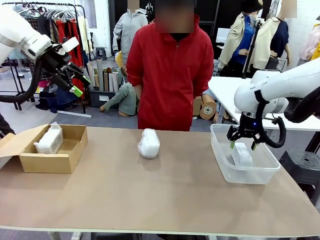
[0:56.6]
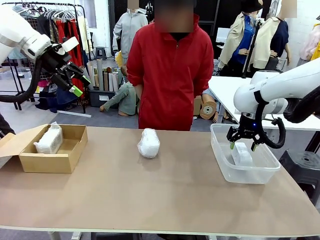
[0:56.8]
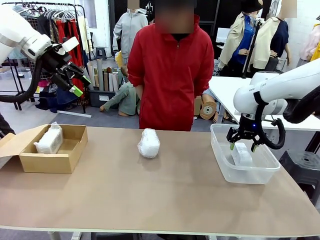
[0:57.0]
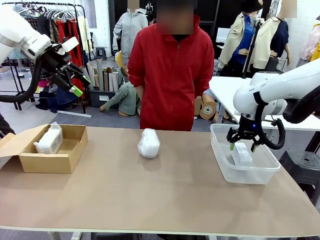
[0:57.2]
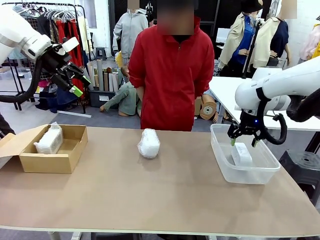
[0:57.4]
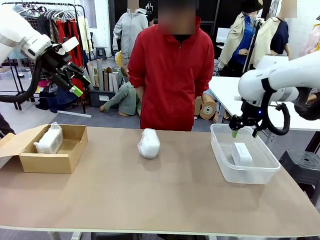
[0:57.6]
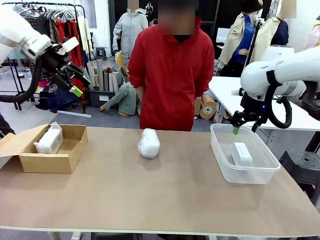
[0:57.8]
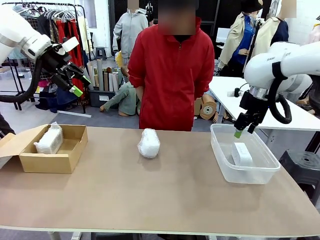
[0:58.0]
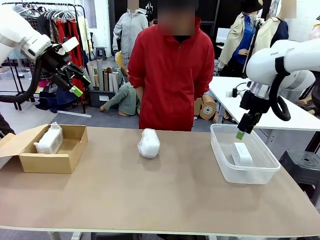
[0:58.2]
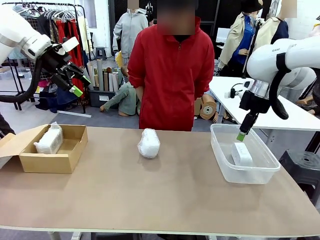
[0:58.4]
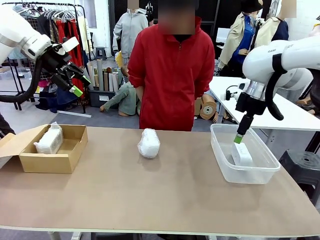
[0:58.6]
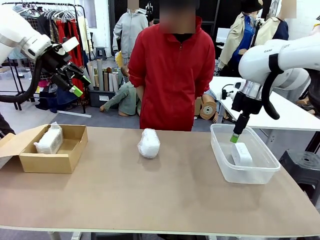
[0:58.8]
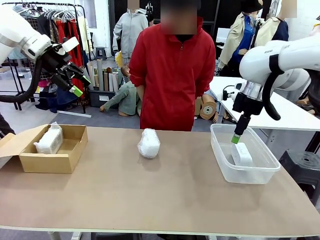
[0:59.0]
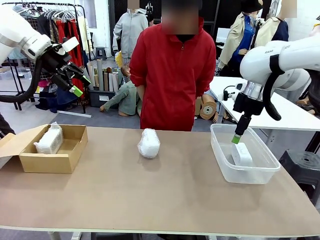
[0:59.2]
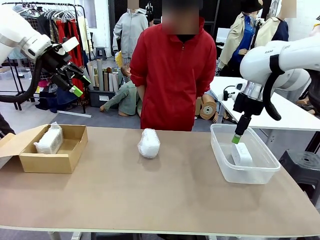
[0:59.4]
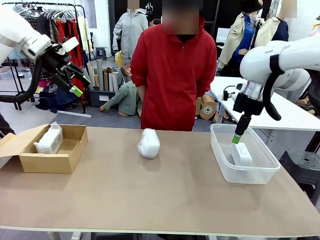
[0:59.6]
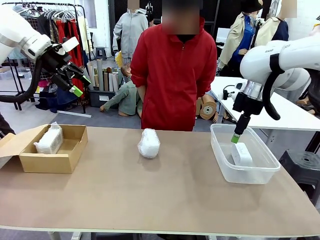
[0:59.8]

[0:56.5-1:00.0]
Task: Separate and place wrapped and unwrapped clocks.
Robot: If the picked Digital clock is wrapped, place it in the Package Box ; if not, place it in the Organizing box.

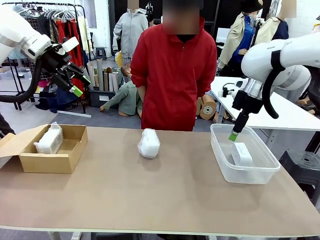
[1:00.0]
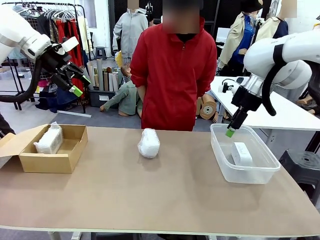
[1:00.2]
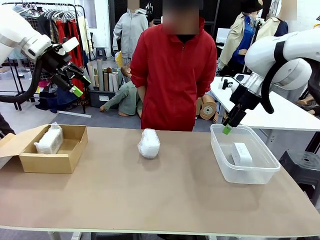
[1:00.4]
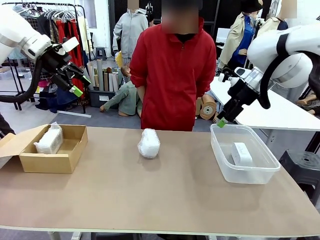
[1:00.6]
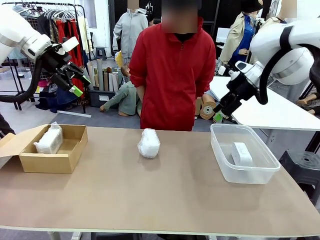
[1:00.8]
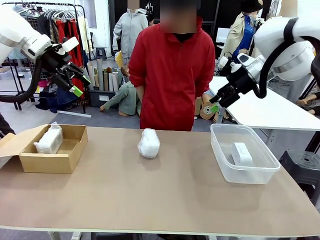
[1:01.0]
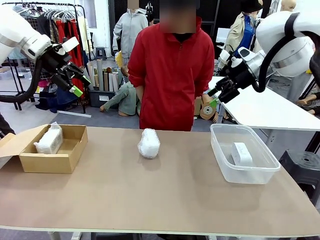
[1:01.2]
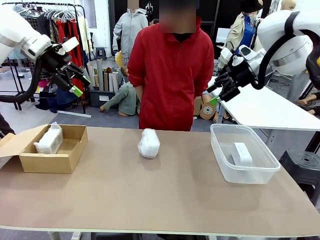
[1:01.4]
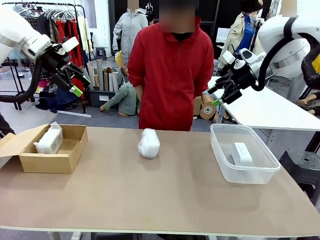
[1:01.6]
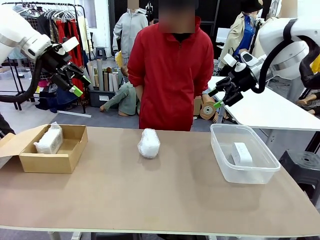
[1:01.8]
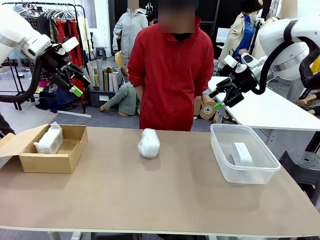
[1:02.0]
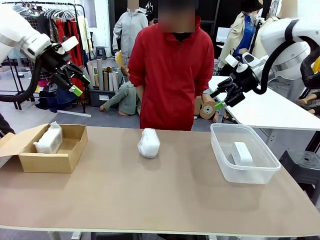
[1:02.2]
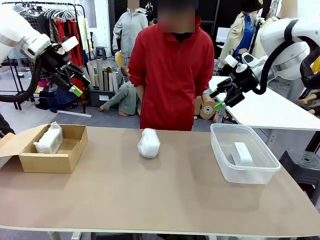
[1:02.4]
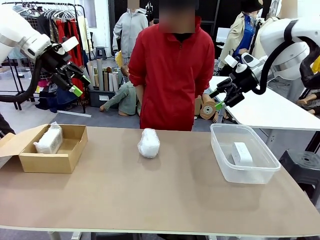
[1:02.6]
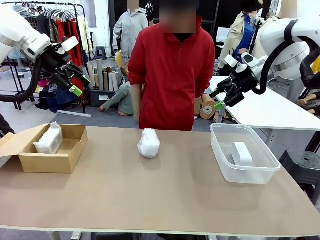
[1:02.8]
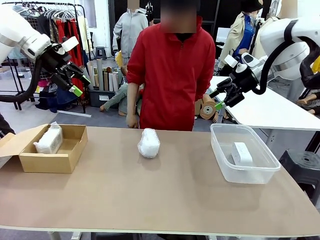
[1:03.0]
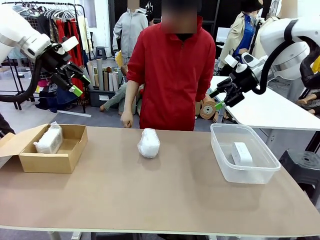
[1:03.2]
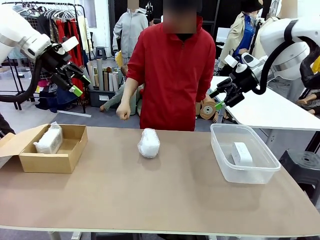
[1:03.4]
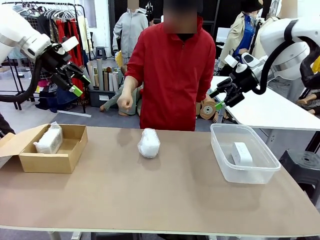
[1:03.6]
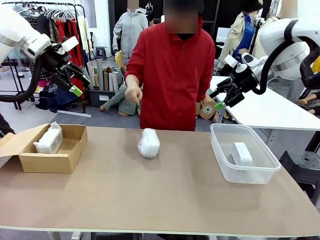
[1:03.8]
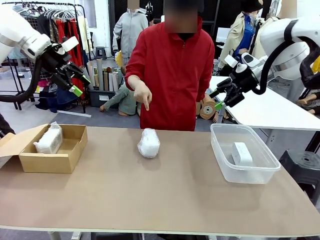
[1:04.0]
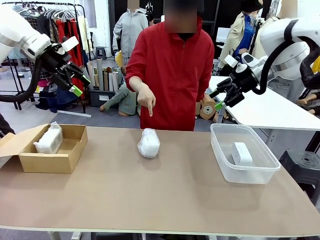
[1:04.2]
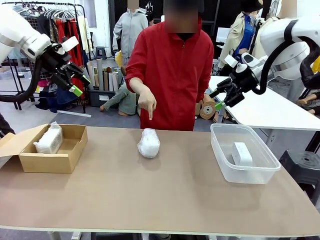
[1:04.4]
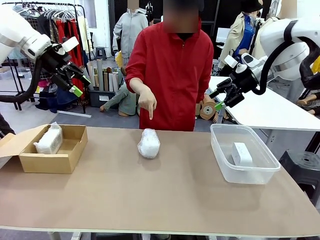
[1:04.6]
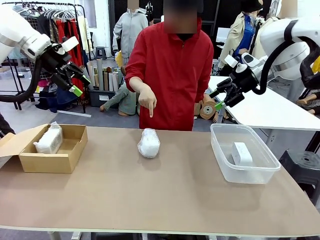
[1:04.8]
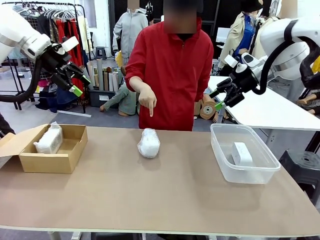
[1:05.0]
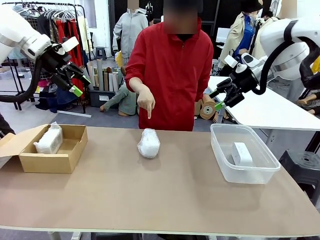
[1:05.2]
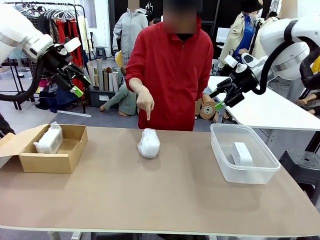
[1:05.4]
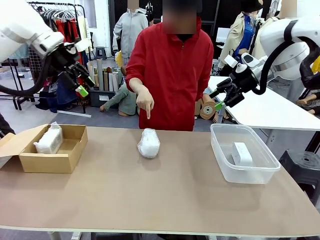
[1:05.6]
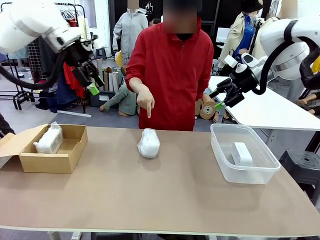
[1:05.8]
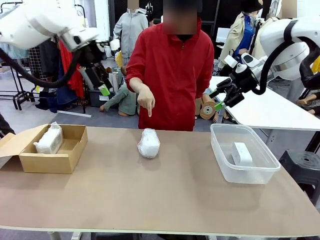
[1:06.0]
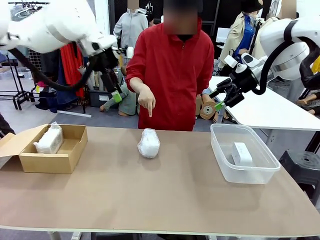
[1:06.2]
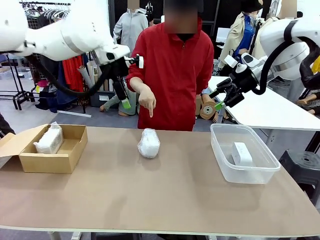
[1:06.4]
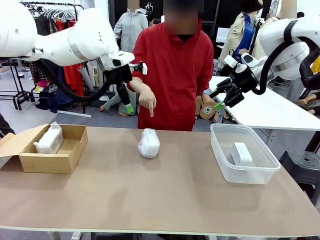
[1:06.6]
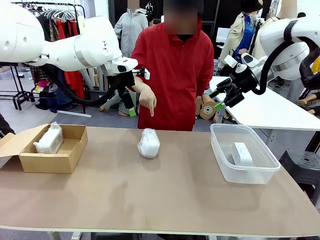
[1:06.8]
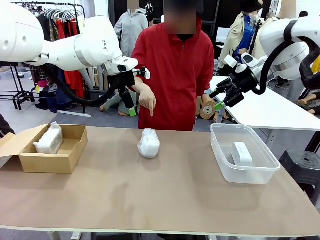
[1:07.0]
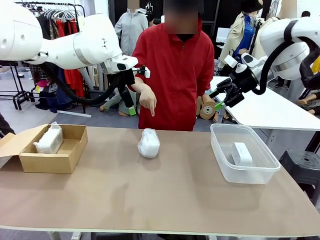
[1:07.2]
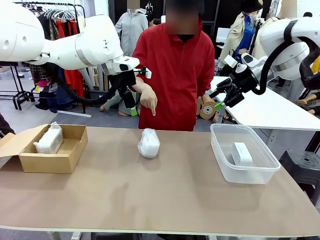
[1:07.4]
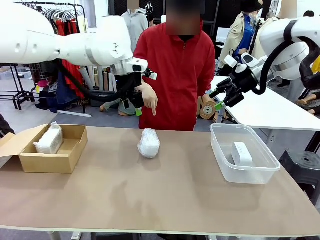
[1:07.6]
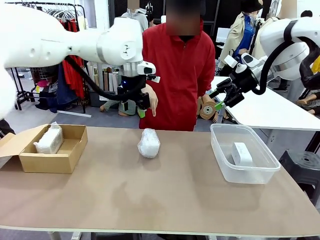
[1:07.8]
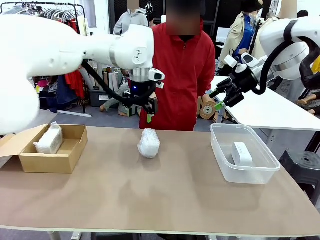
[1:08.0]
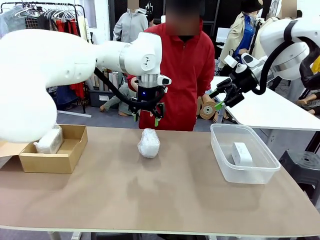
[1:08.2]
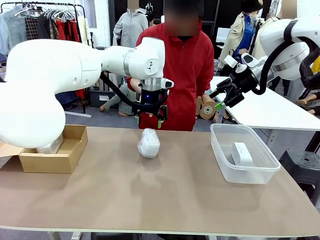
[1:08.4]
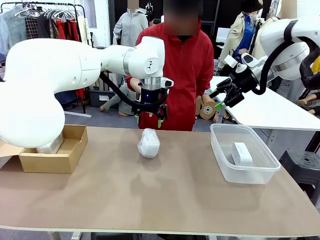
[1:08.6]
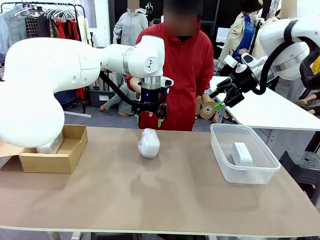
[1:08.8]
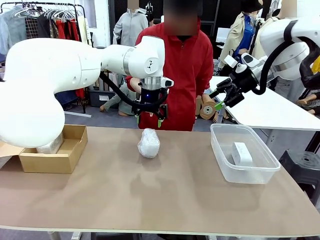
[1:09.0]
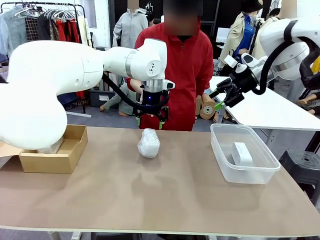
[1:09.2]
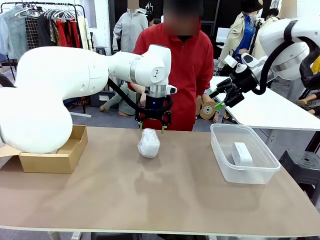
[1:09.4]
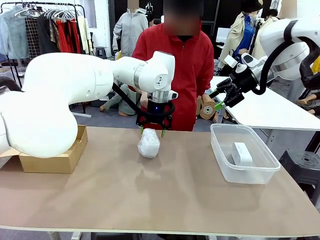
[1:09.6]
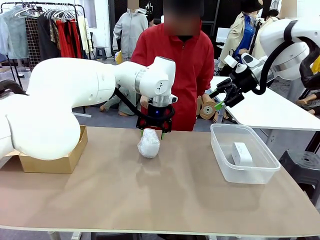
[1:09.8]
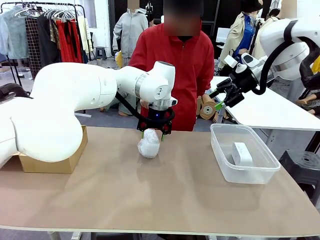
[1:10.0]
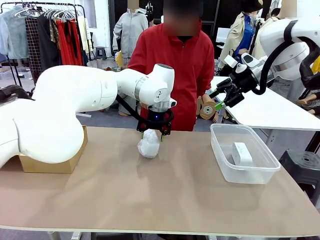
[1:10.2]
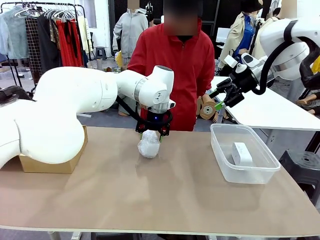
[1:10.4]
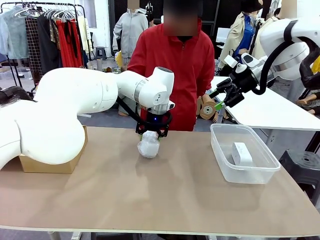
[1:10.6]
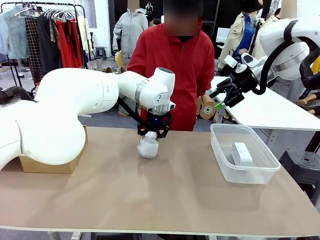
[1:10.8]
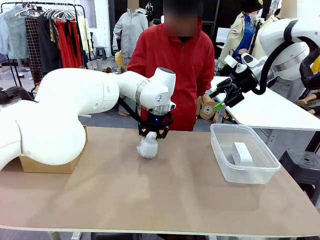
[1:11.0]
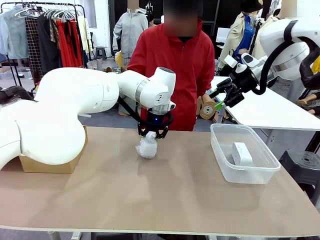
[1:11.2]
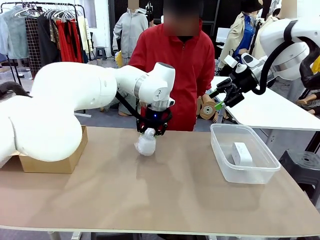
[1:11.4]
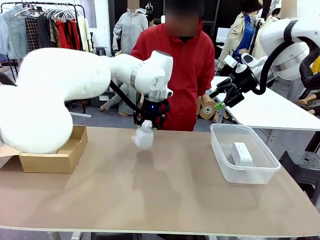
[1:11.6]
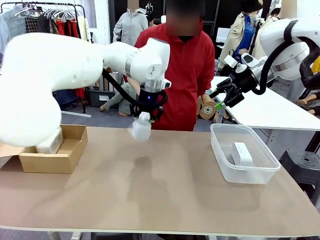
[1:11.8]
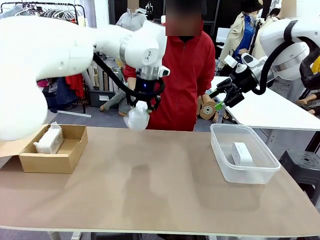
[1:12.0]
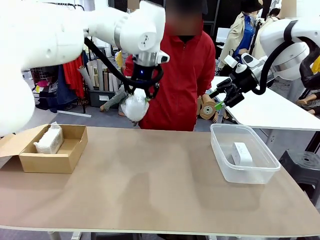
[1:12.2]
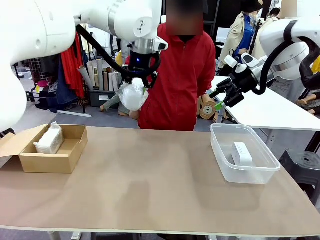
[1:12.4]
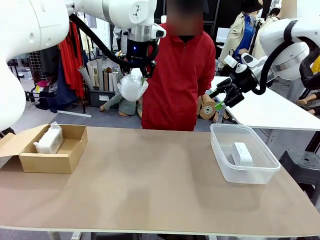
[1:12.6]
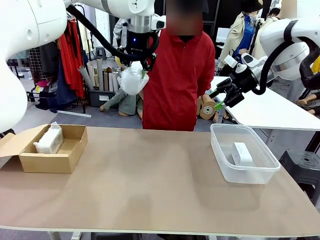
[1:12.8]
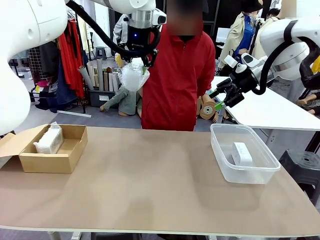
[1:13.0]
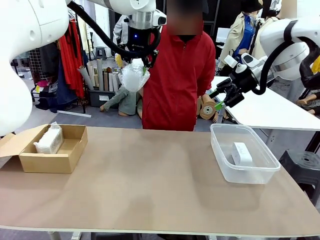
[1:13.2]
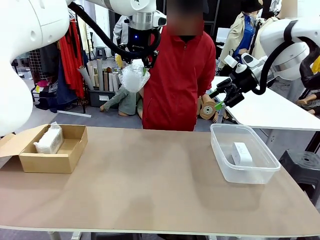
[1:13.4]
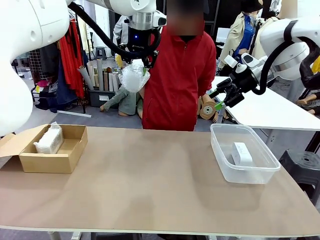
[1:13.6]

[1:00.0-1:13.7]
Robot: Pick up the Digital clock indicated by the person.

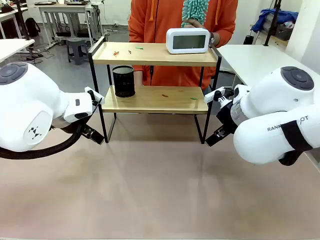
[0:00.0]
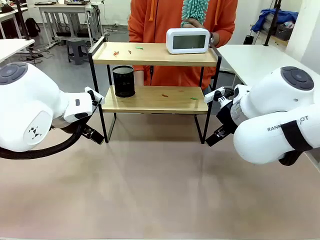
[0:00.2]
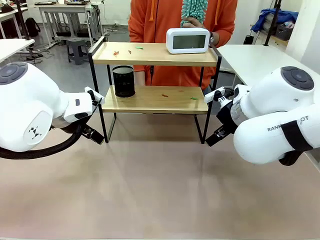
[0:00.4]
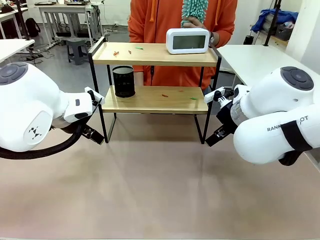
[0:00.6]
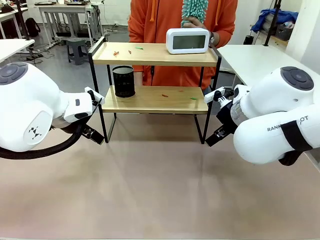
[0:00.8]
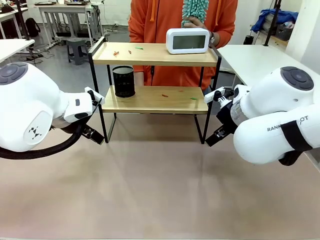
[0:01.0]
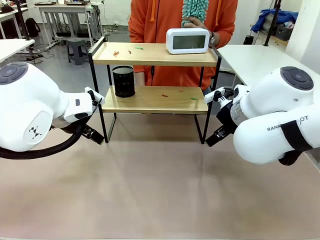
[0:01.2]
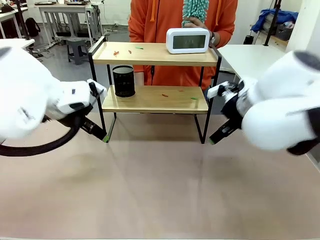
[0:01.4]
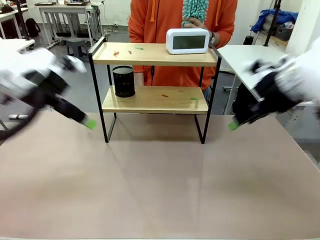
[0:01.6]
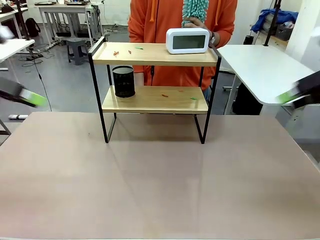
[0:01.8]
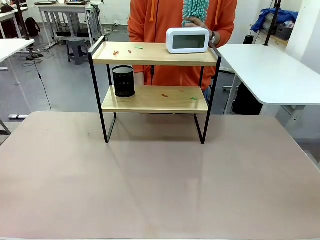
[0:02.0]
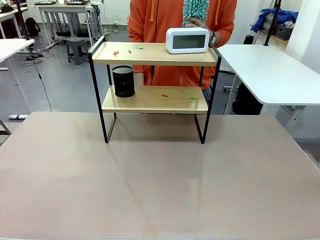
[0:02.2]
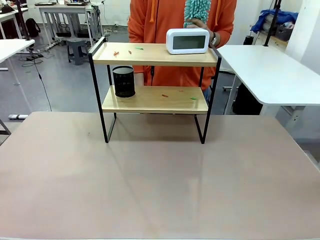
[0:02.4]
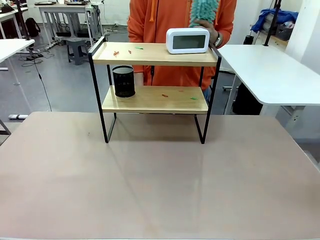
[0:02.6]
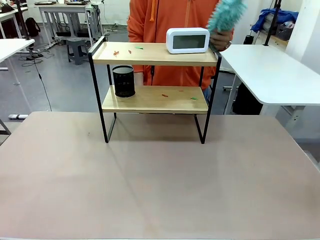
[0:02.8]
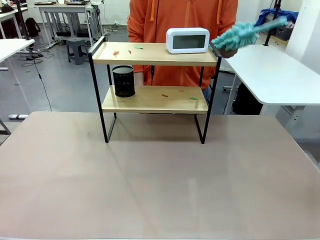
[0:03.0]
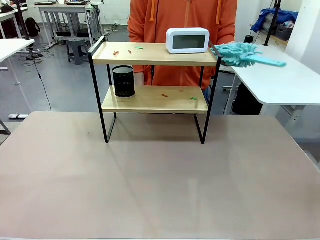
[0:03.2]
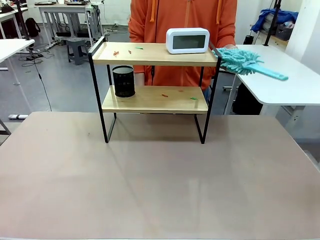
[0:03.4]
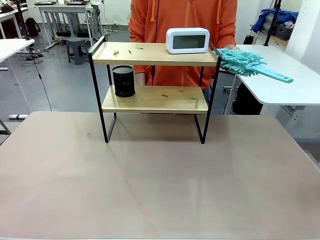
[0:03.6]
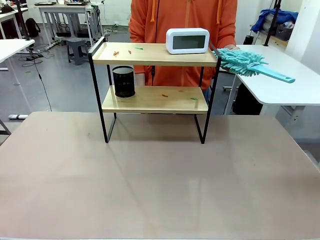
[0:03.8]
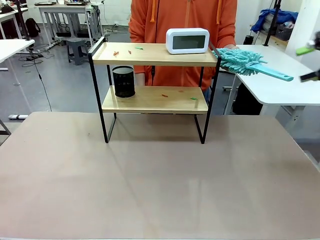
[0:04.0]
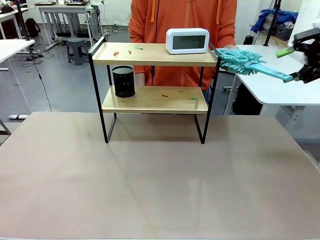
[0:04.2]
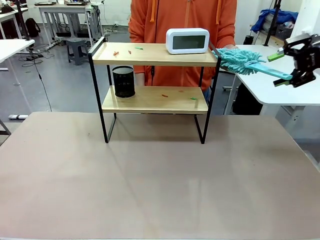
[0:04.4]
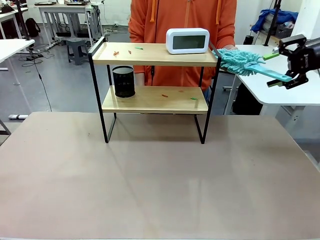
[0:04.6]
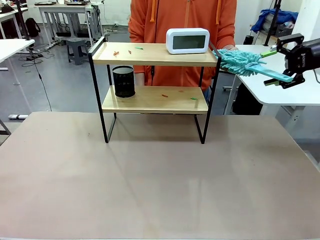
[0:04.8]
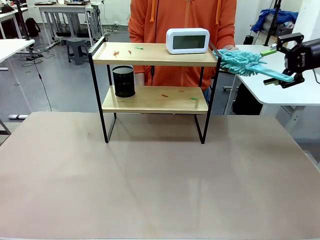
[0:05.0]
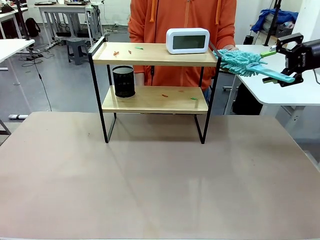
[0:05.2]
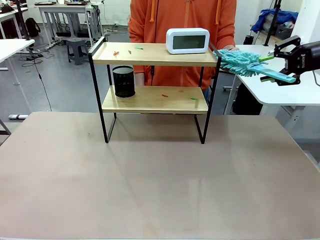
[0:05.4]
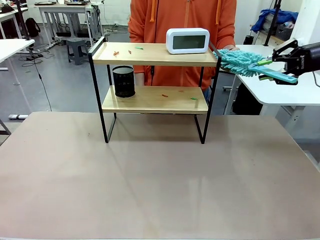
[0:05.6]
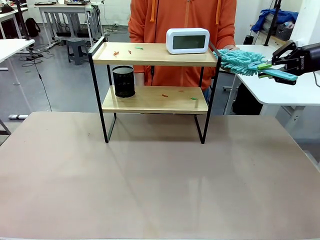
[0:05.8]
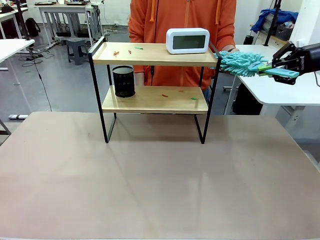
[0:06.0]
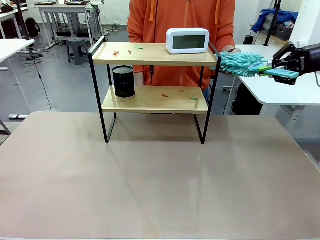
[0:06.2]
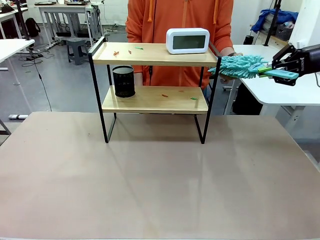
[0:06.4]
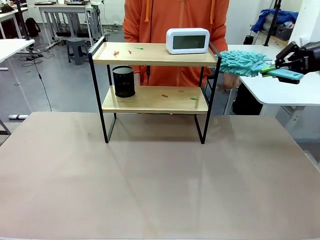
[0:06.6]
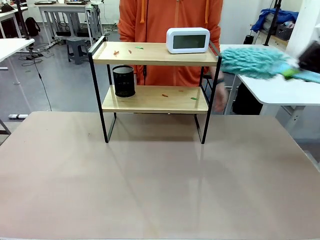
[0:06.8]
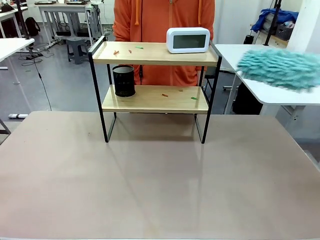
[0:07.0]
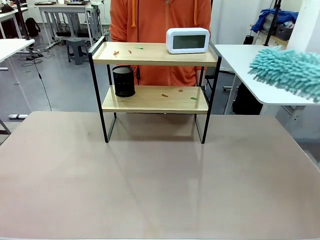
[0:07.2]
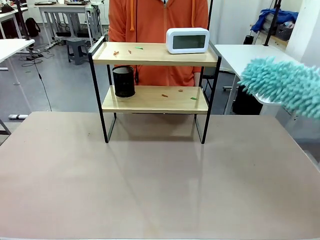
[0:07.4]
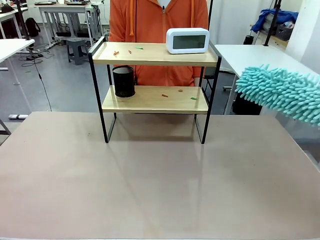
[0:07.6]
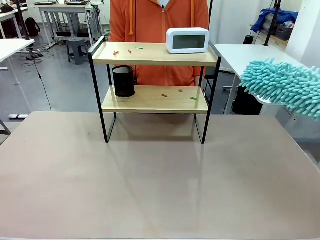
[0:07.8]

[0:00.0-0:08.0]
Task: Clean the shelf.
Robot: Pick up the Duster from the human.
Person: Hand the Duster to the robot.
